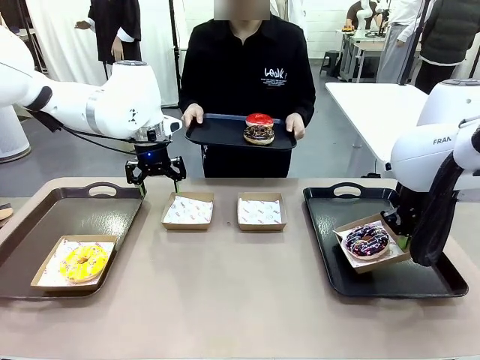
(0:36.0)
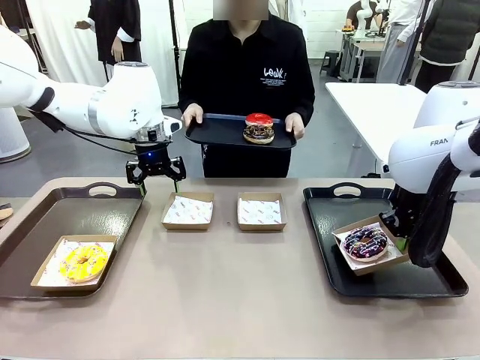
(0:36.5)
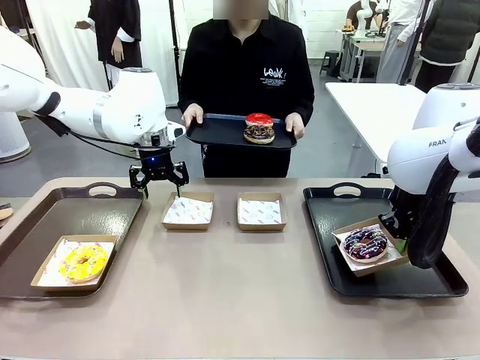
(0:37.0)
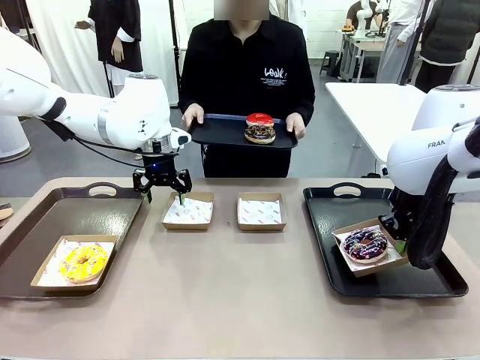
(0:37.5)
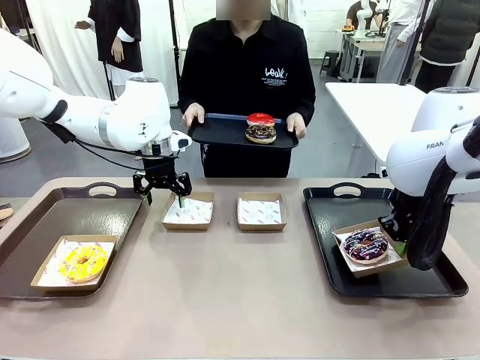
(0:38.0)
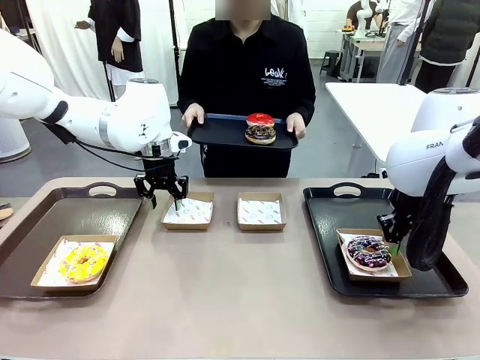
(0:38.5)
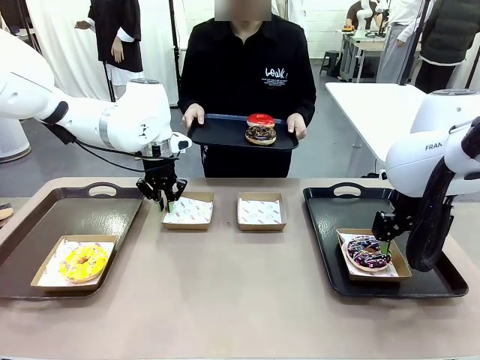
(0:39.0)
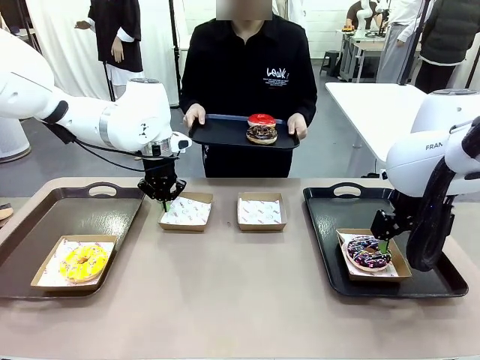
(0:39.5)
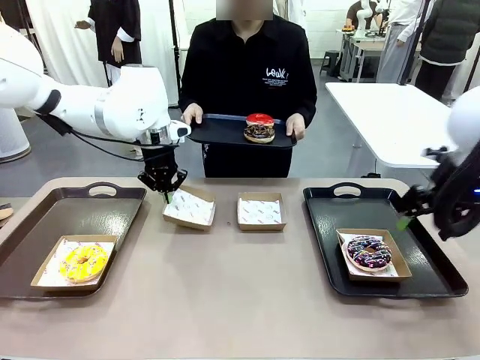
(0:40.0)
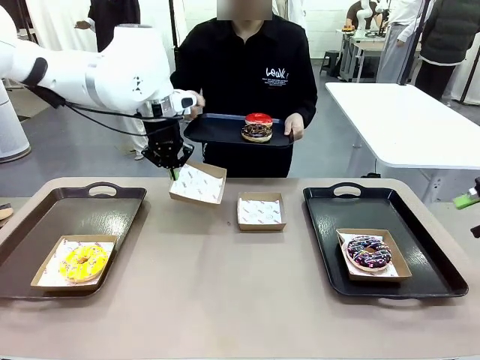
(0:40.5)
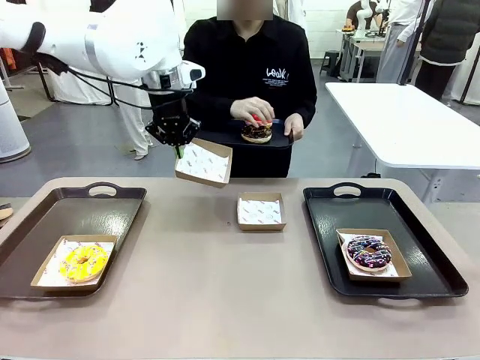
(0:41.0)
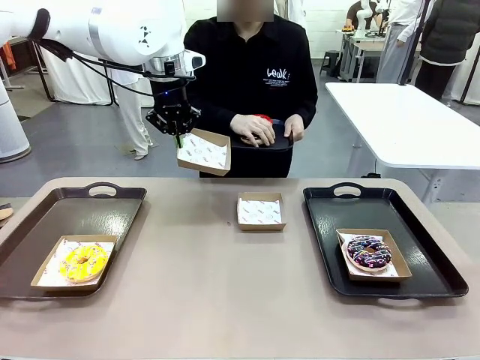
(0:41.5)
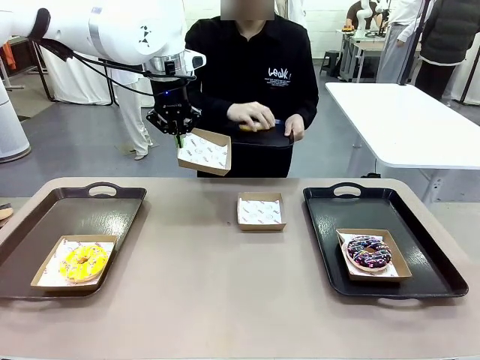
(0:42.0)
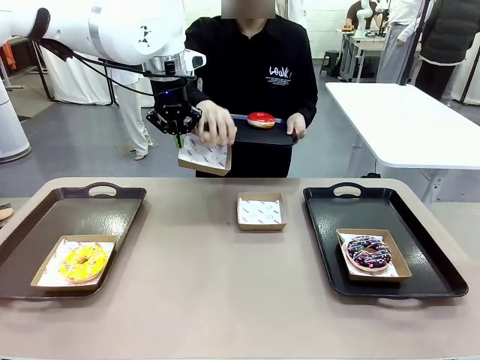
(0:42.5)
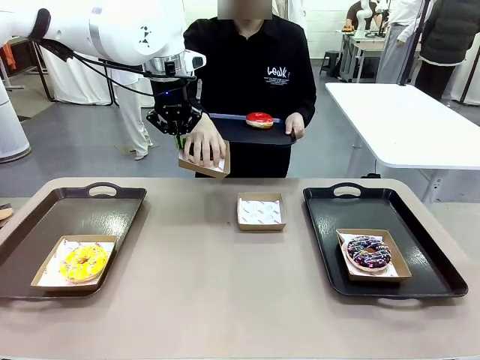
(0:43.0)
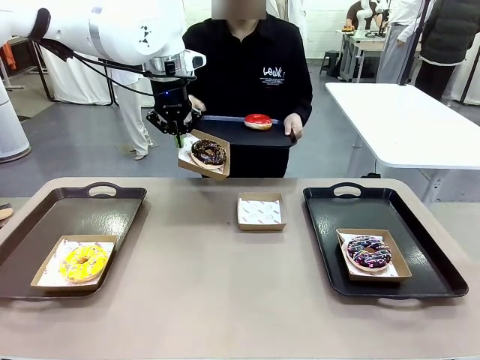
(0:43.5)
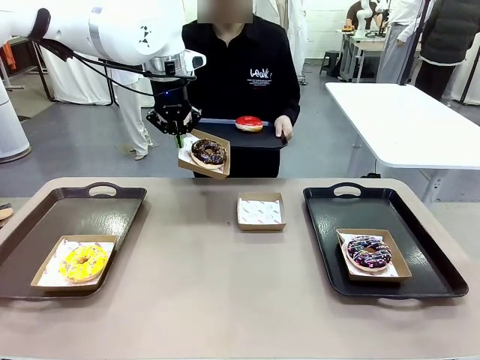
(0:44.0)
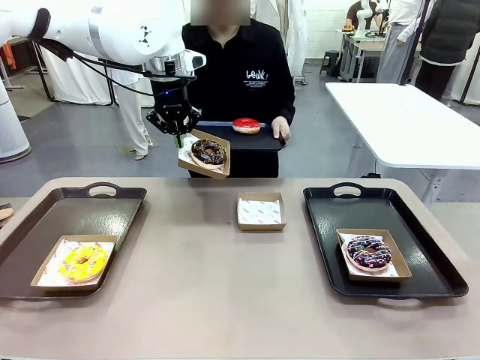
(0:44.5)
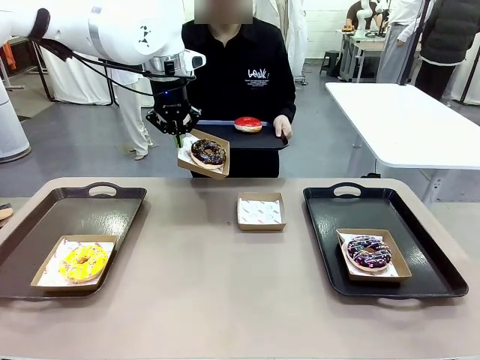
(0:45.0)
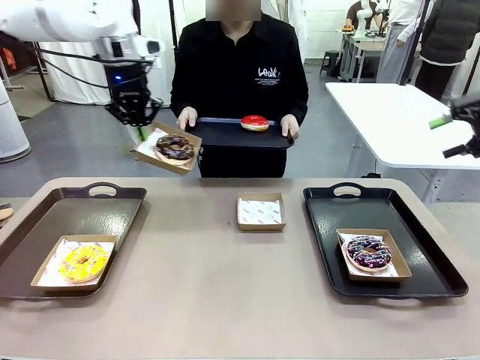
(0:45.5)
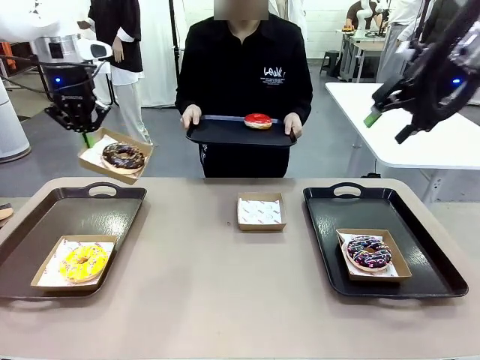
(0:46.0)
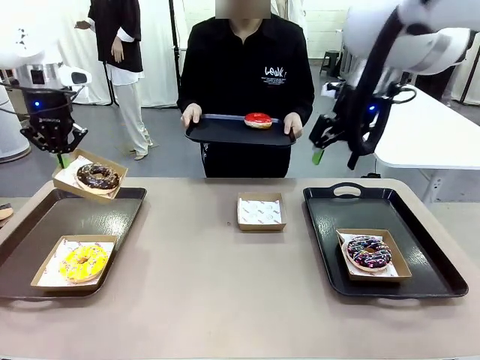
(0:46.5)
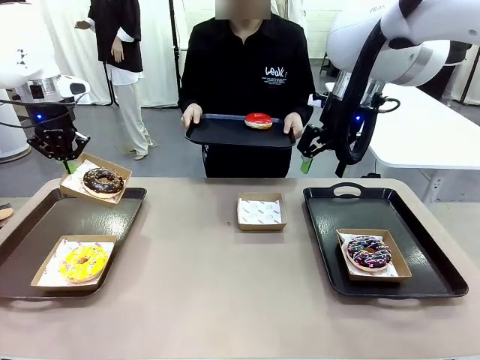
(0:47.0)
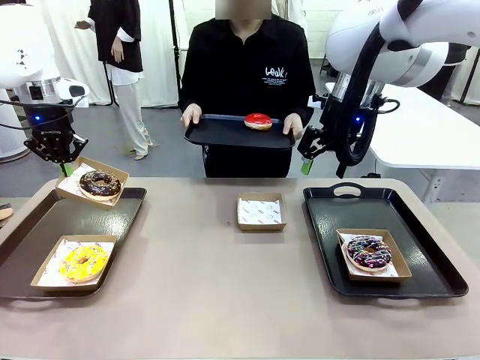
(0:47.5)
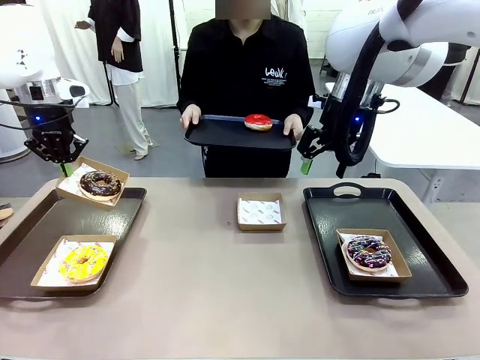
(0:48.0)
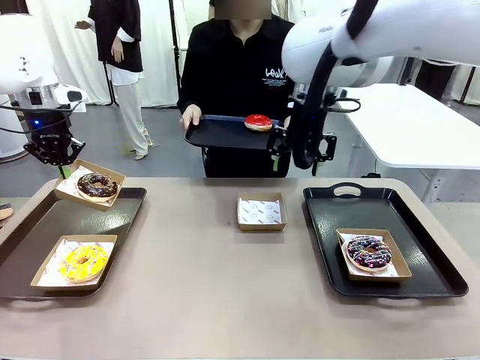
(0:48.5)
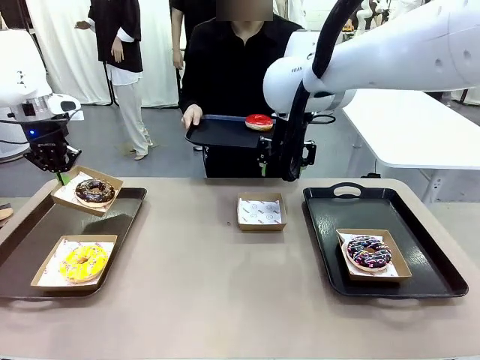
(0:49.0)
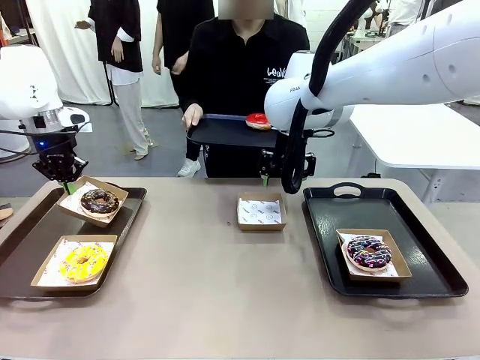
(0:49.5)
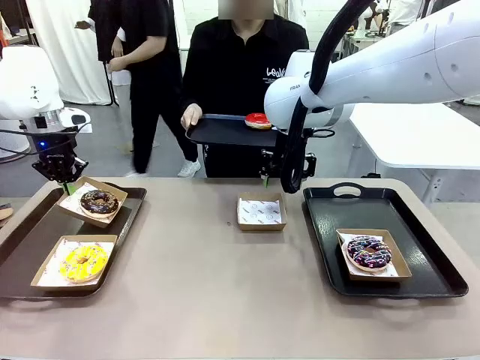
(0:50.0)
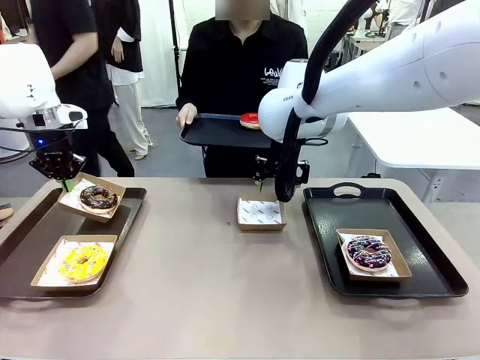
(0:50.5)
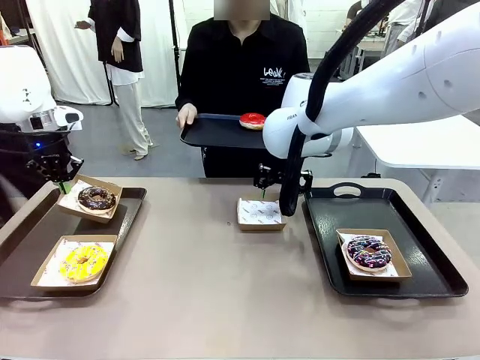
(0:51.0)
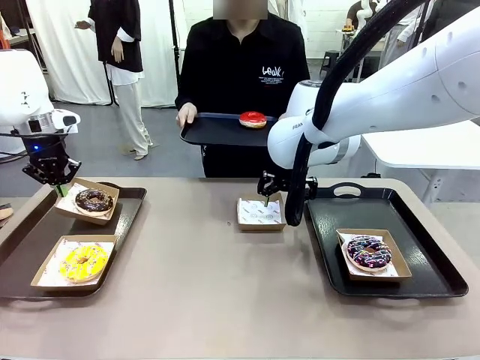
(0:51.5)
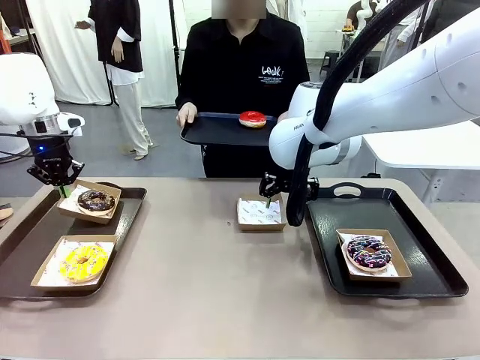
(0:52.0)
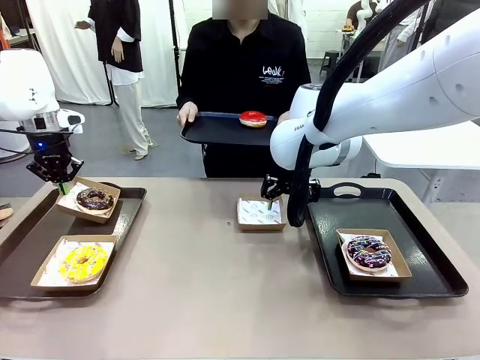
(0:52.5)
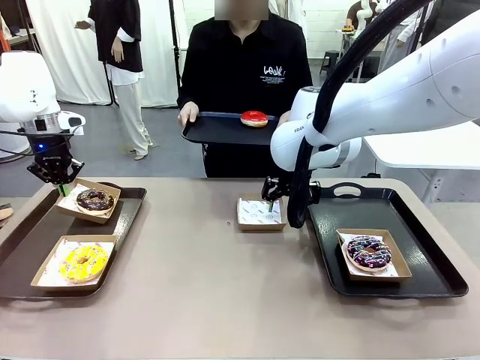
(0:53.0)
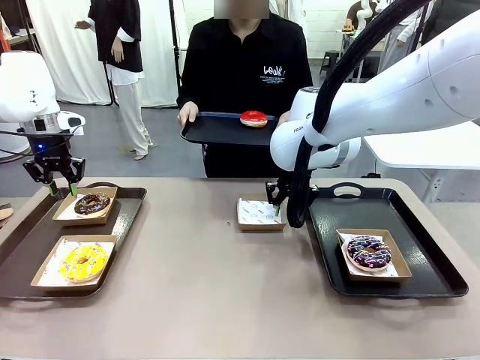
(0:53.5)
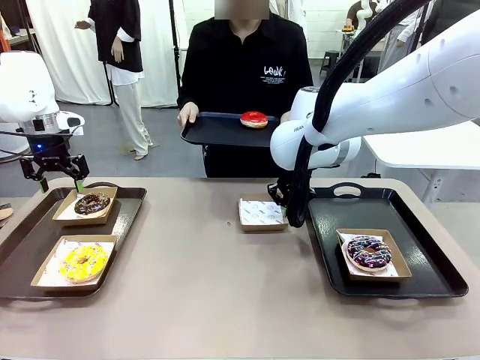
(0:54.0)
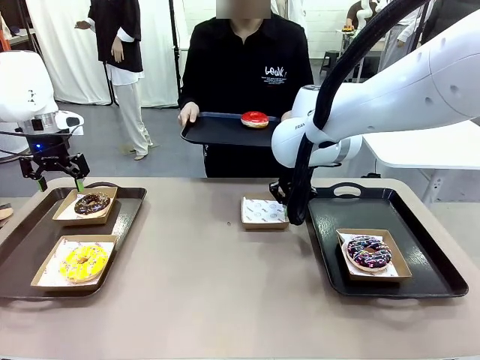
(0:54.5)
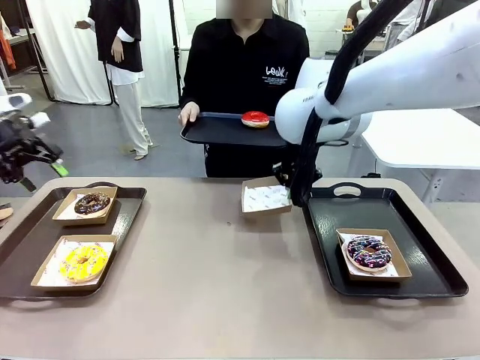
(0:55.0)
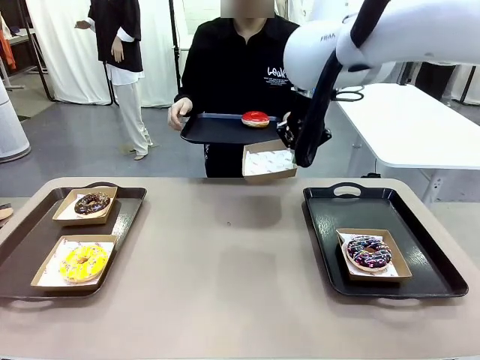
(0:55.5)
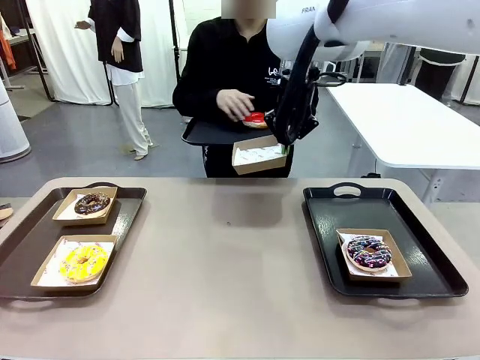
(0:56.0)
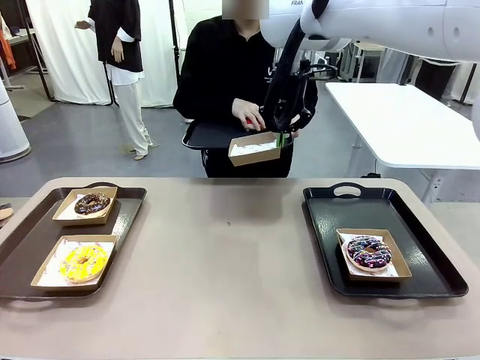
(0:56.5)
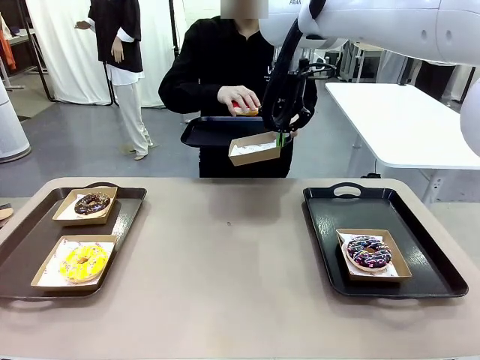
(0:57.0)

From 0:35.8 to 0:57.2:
Task: Individually package the donuts and arrange them on the tray.
Robot: Place the picked Paper togo box on the Handle tray while simultaneously picking up another Paper togo box from the table with the other hand.

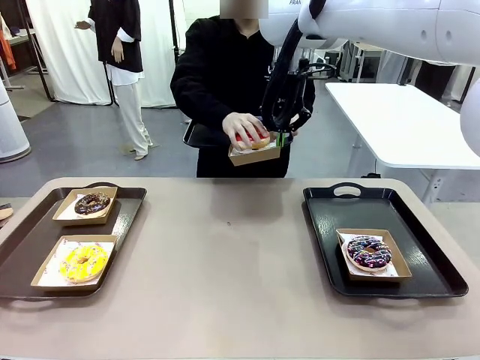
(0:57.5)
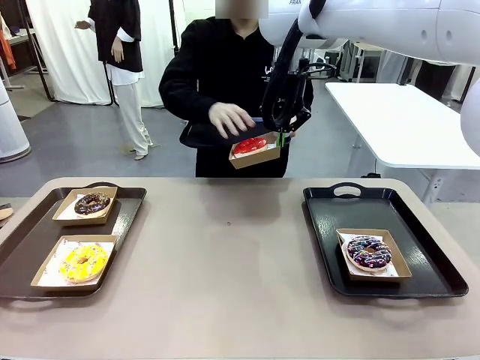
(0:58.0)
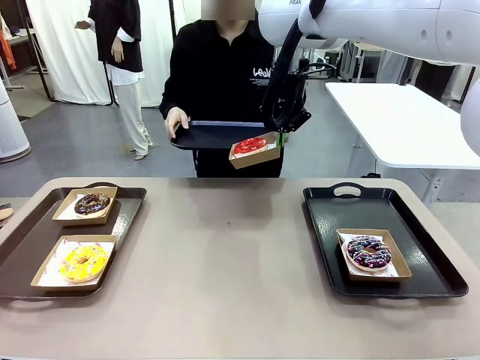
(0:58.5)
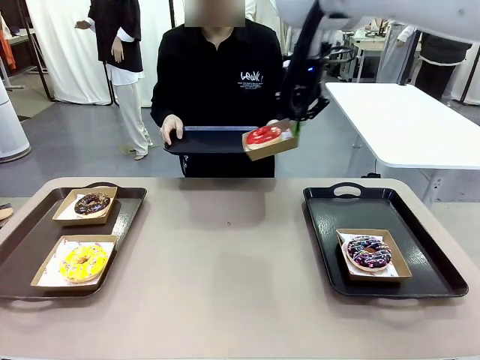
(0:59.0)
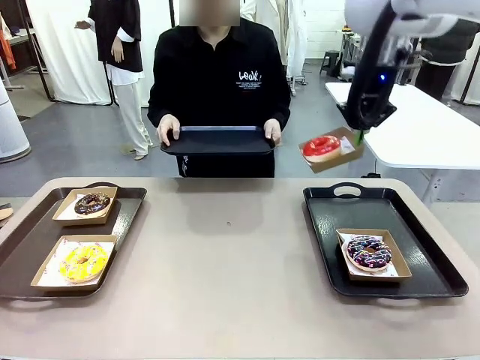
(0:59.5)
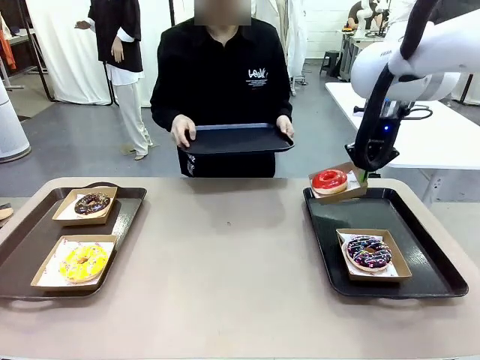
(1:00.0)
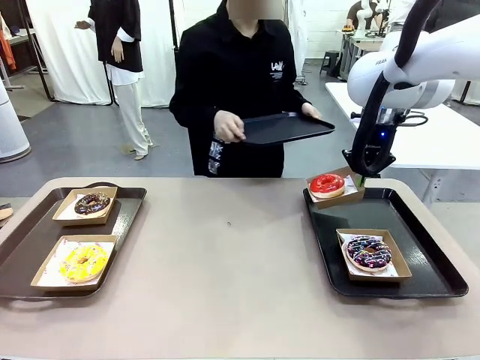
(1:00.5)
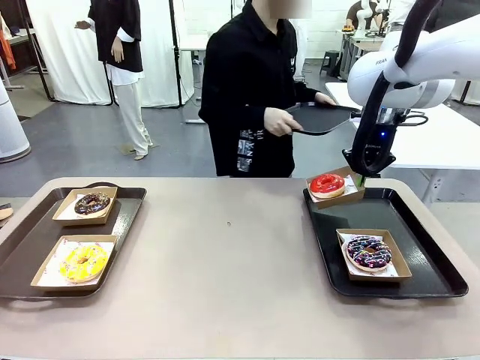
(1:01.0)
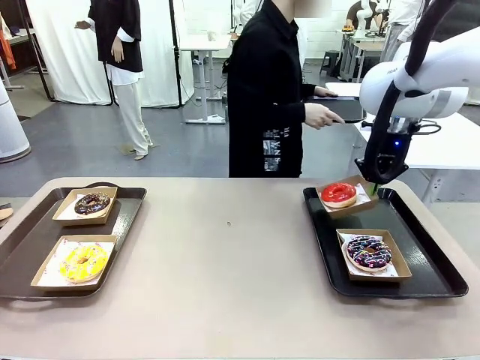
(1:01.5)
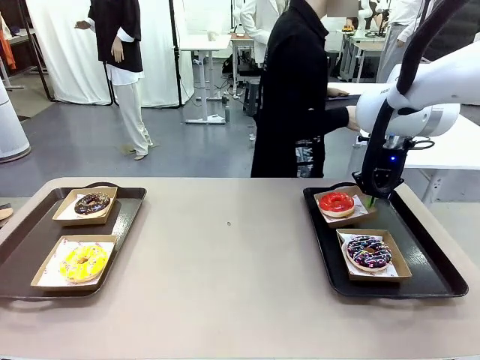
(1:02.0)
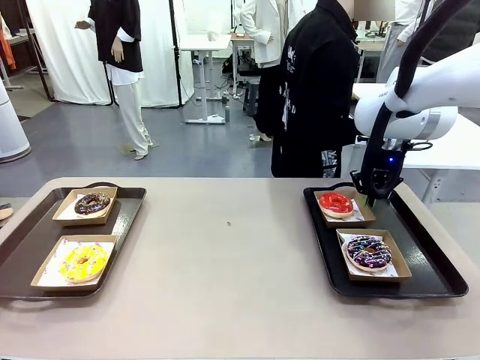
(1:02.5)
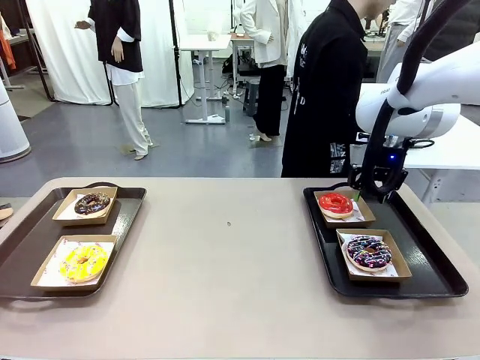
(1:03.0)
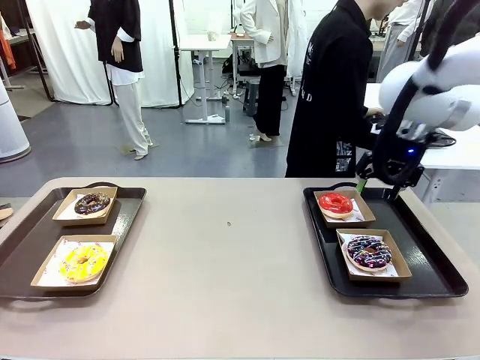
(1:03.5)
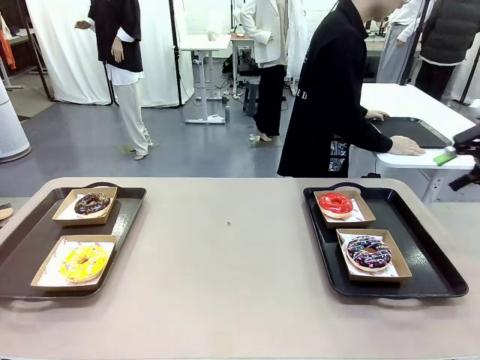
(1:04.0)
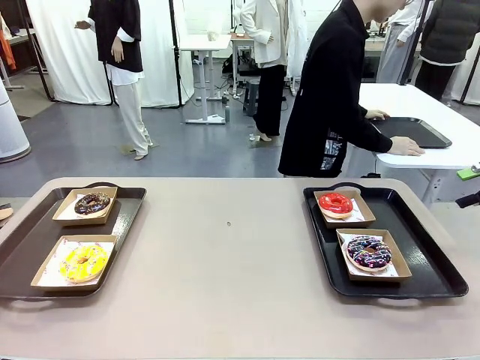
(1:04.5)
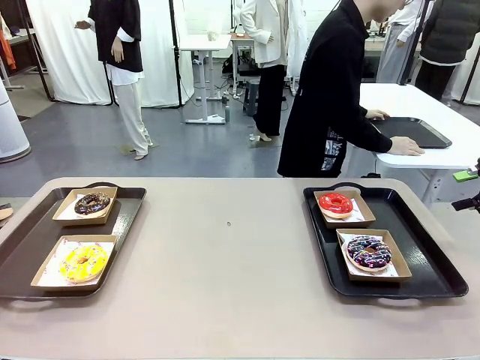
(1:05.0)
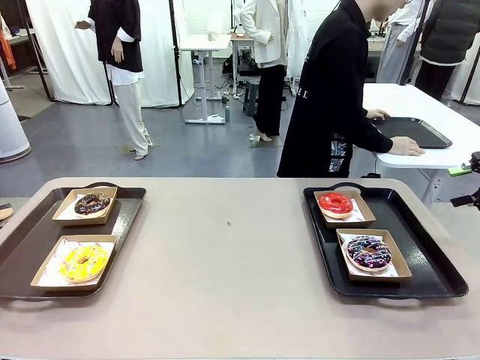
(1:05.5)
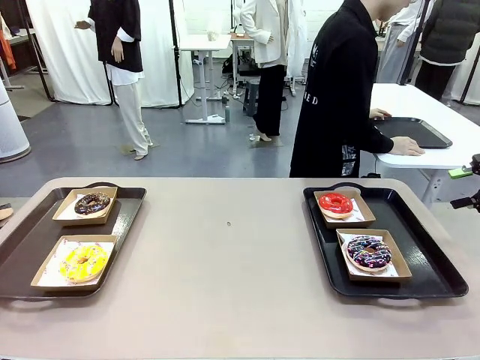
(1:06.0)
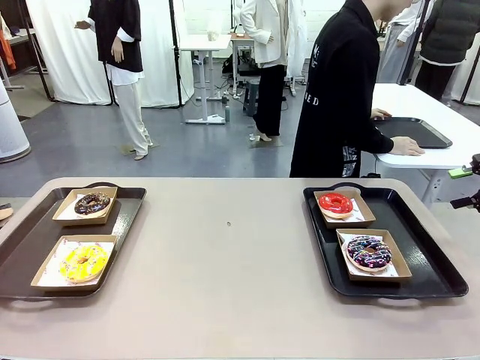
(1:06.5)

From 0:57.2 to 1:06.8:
Robot: Place the picked Paper togo box on the Handle tray.
Person: Place the tray down in the middle of the human table.
